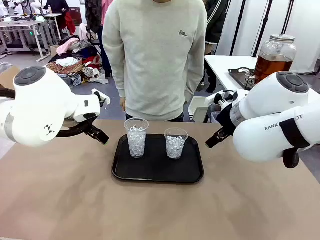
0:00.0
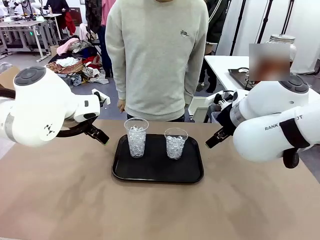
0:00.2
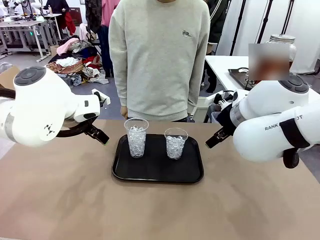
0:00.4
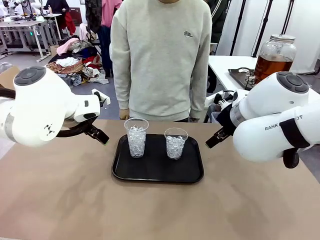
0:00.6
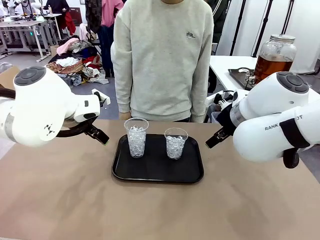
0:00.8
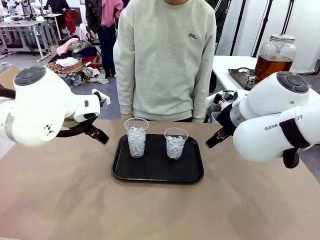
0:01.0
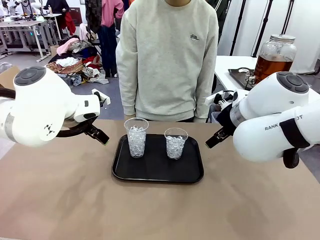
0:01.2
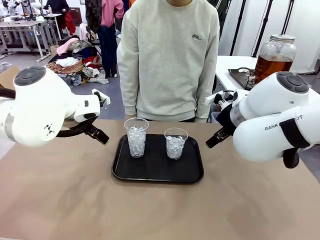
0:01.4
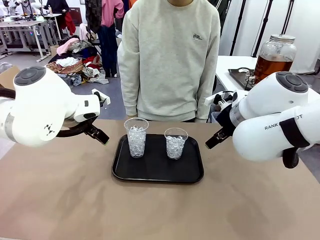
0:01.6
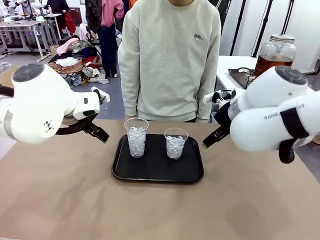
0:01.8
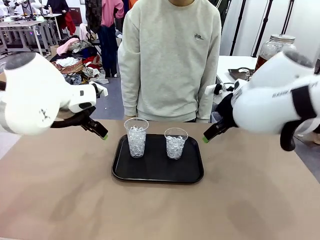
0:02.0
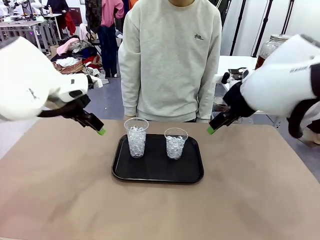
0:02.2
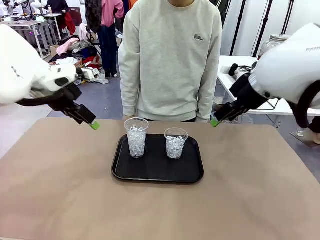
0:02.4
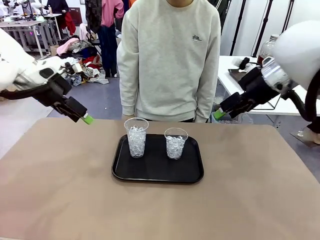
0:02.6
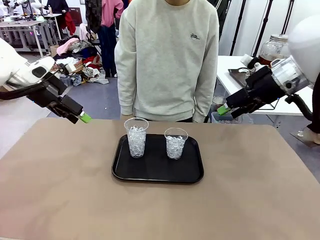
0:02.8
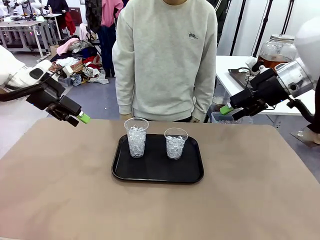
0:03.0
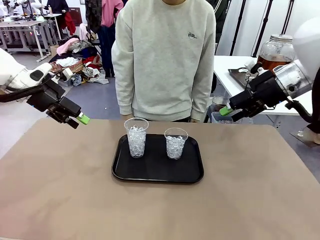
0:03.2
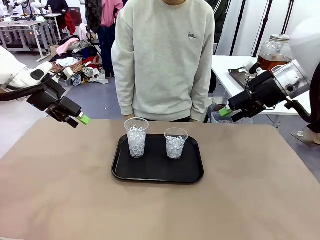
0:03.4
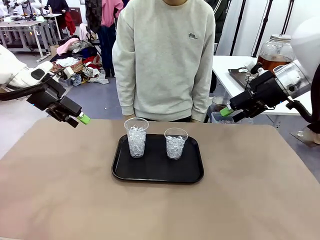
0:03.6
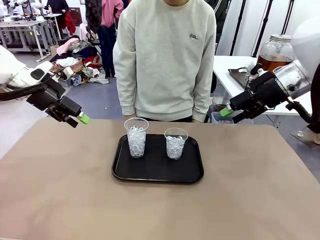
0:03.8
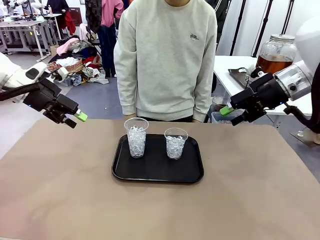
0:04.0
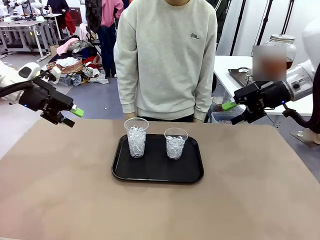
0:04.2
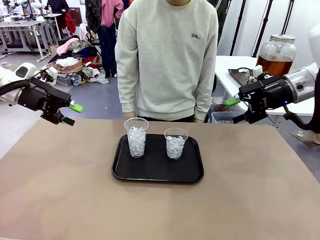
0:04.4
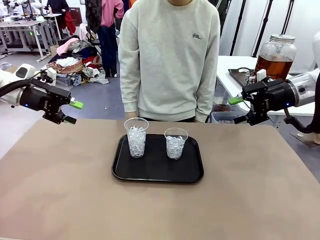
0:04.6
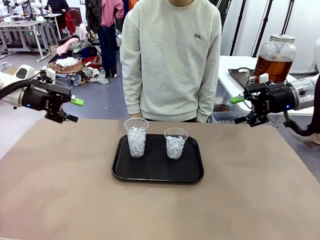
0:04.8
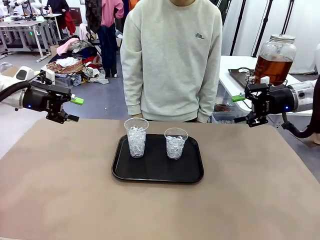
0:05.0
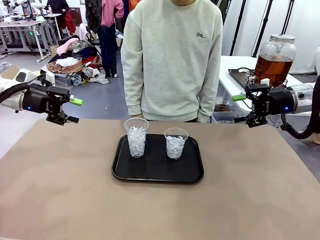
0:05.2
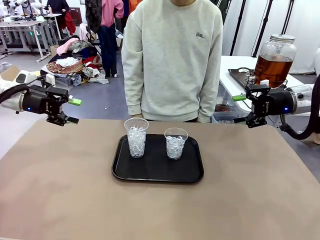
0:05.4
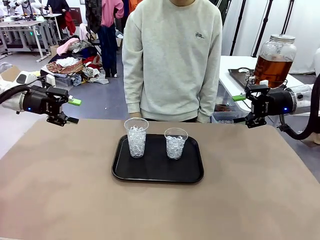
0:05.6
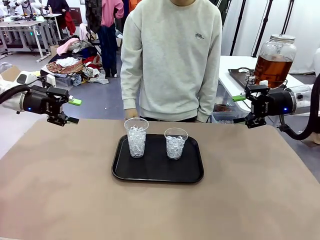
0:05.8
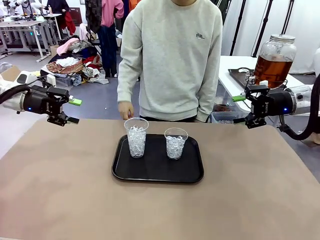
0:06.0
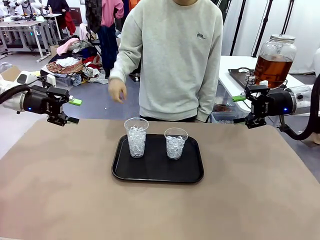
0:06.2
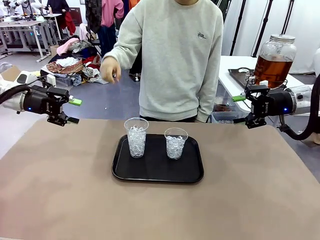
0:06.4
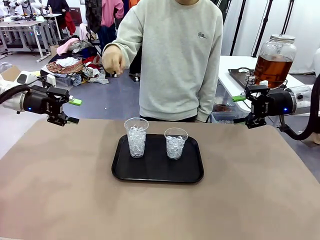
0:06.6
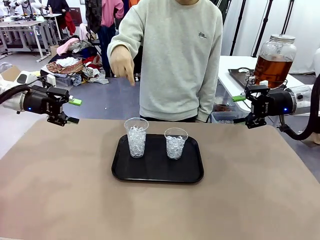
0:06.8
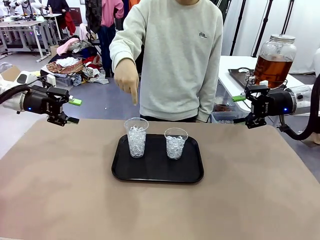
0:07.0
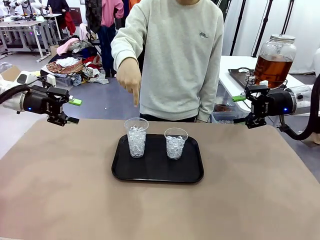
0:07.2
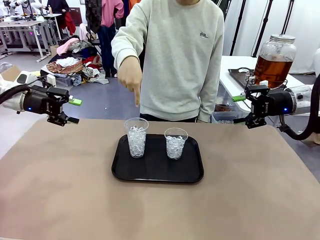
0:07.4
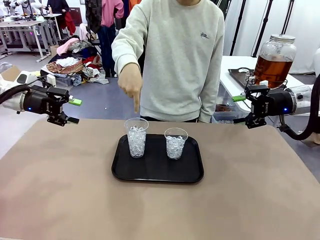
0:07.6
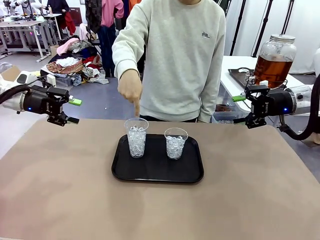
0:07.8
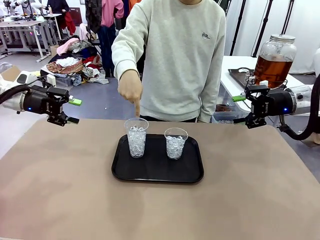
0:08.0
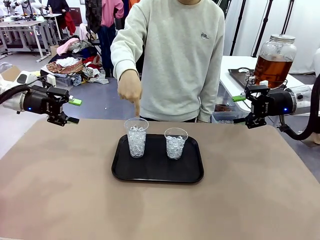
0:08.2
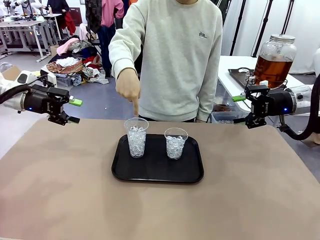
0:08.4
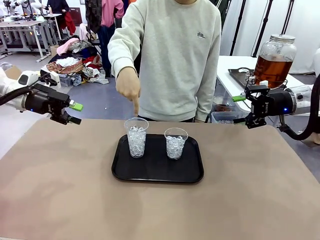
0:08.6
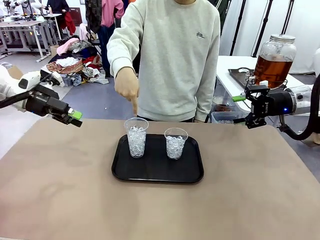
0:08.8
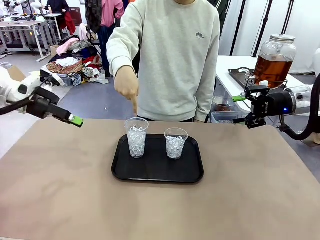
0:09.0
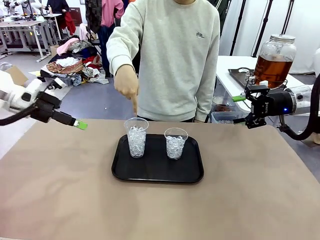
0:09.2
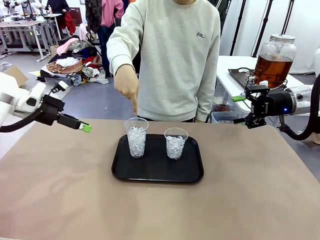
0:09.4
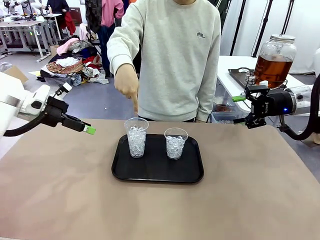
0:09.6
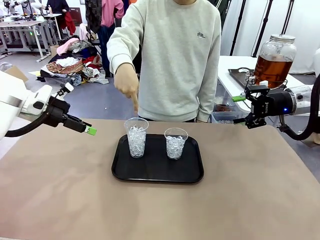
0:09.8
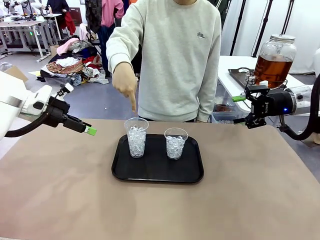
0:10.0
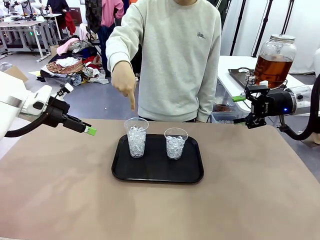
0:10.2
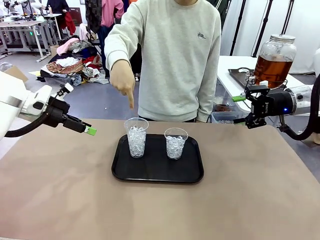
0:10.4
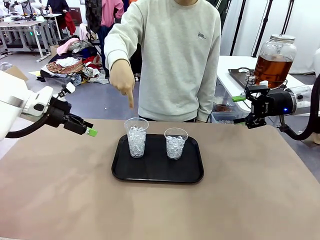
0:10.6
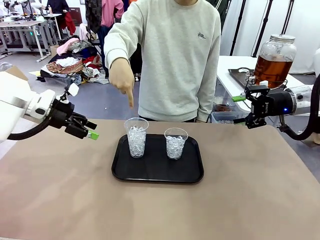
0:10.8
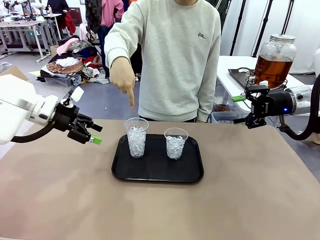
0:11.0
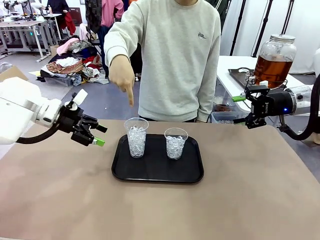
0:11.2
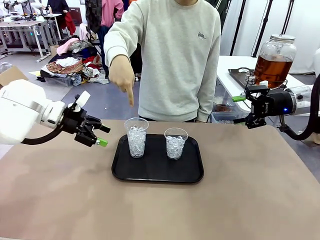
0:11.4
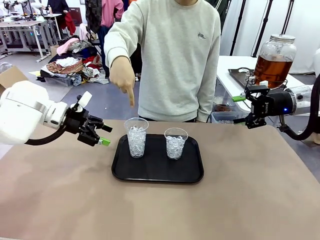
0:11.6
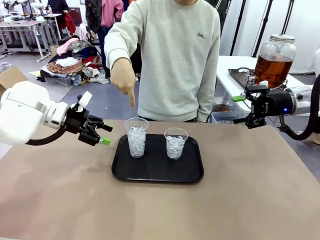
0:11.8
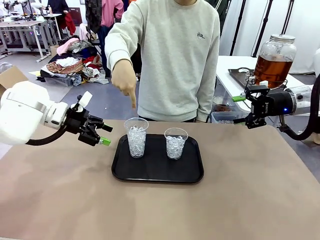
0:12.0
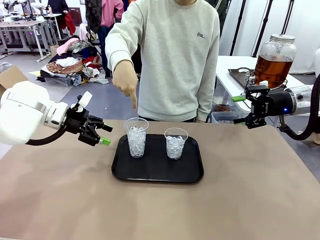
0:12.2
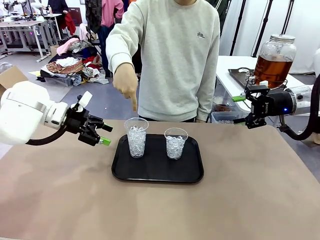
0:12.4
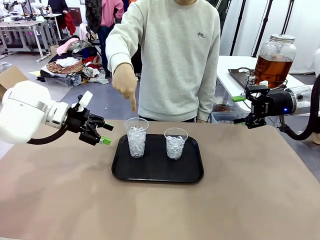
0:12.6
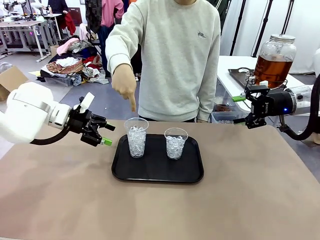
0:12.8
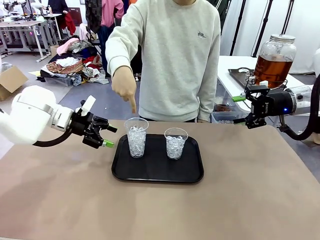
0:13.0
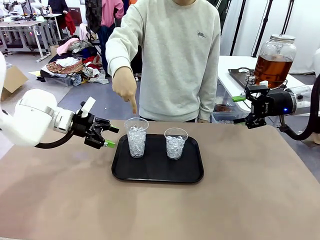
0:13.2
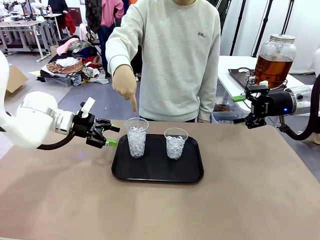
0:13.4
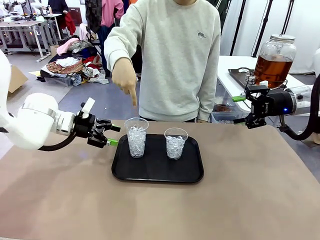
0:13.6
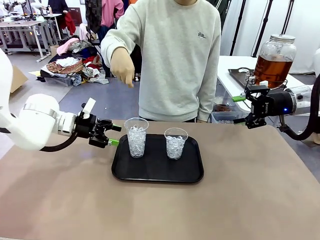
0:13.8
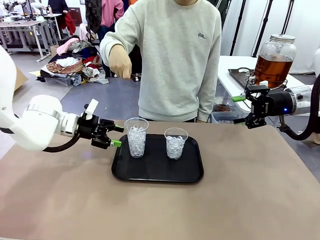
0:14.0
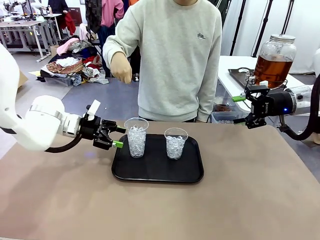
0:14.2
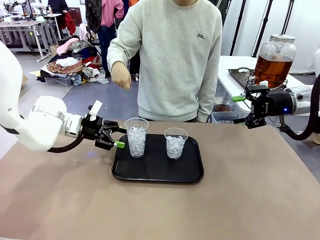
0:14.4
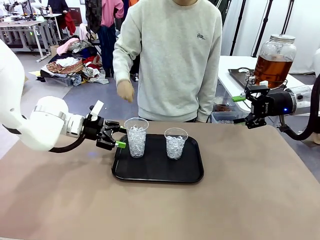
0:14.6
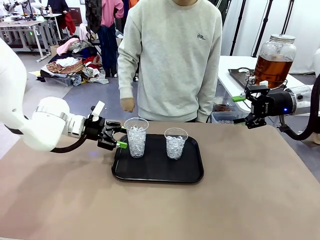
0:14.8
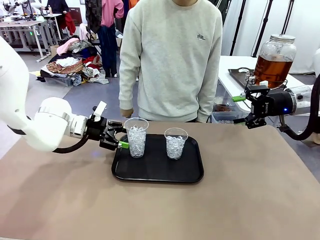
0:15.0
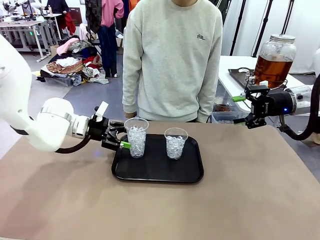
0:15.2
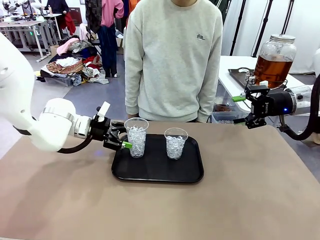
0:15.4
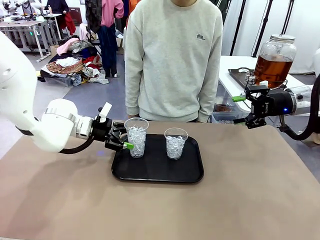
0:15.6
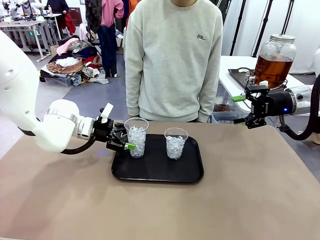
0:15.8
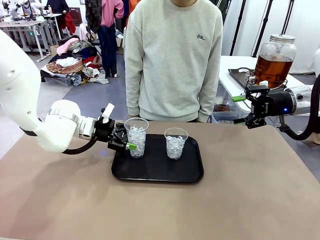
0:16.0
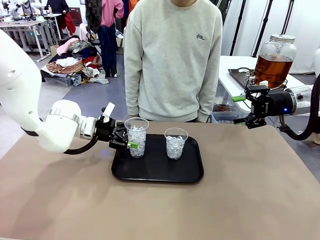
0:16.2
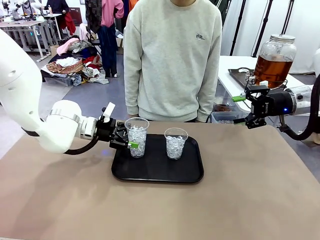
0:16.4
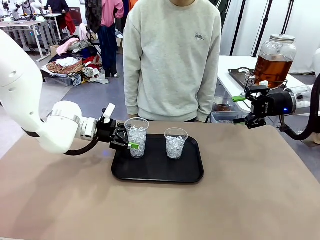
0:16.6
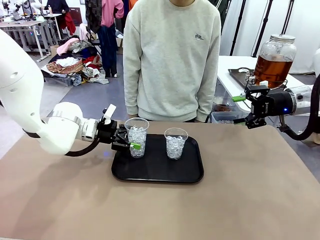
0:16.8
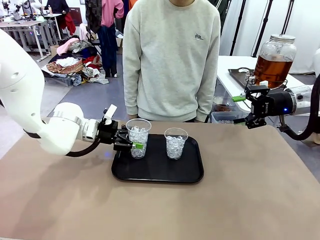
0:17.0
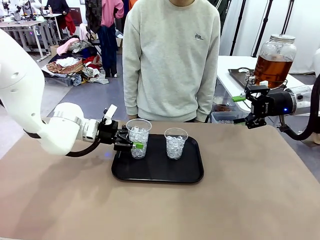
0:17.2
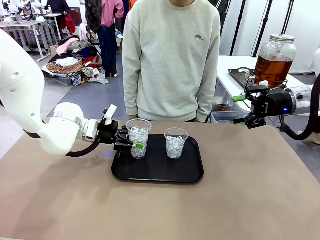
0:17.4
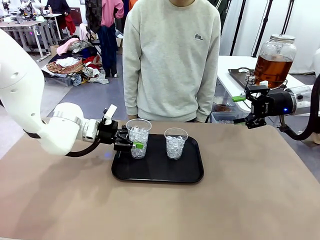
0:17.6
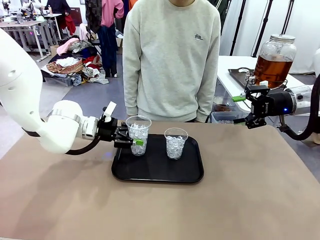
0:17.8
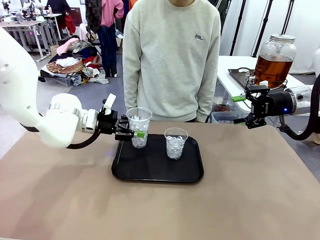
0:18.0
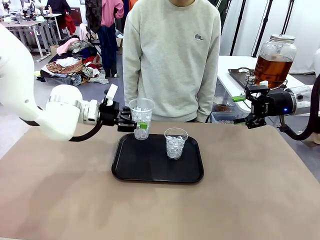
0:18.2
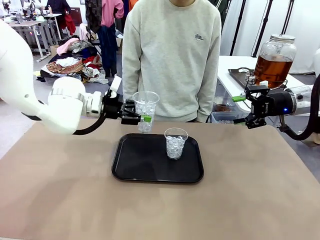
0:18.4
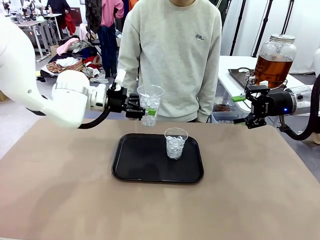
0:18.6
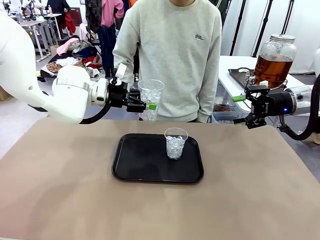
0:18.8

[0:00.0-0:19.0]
Task: Pour the drink into the iced cup.
Robot: Pick up the iced cup indicated by the human and present it to them.
Person: Point to one of the two ice cups. Pick up the cup offered by the robot.

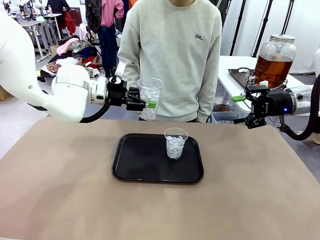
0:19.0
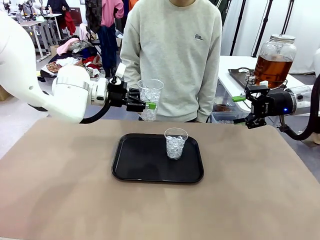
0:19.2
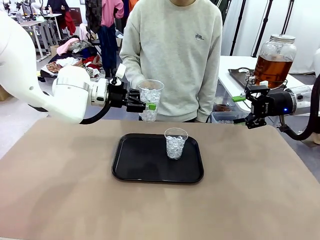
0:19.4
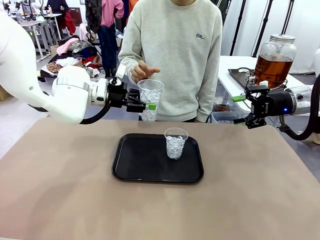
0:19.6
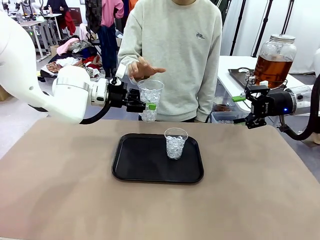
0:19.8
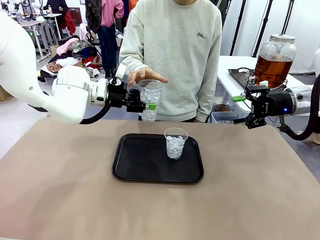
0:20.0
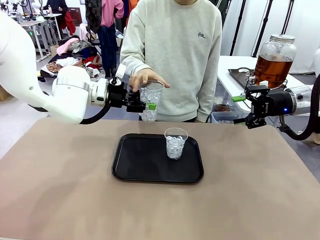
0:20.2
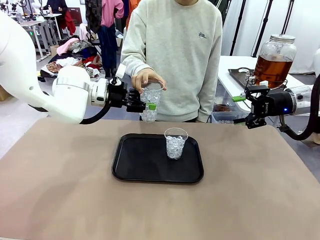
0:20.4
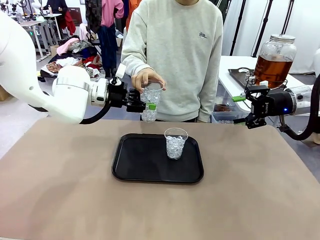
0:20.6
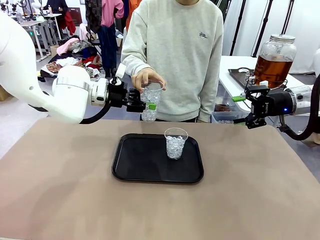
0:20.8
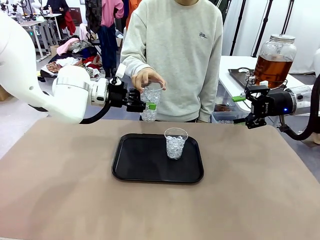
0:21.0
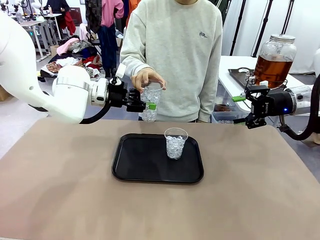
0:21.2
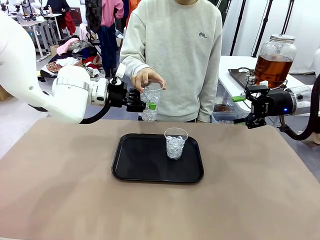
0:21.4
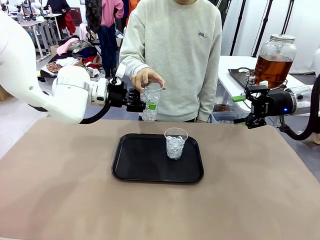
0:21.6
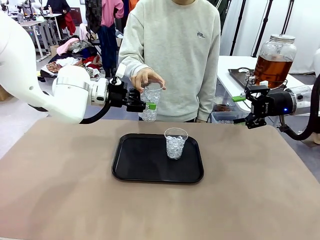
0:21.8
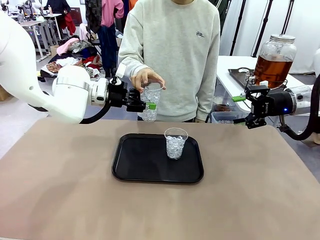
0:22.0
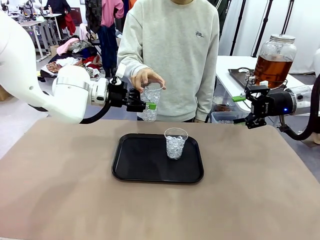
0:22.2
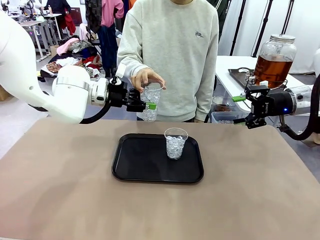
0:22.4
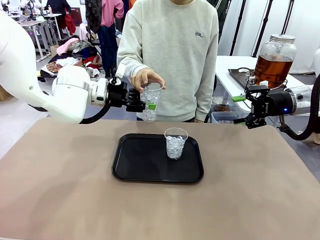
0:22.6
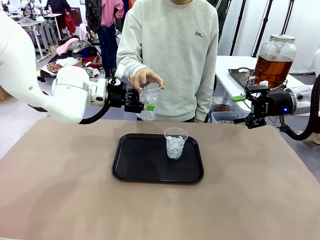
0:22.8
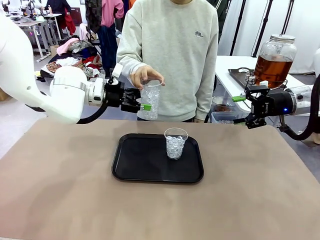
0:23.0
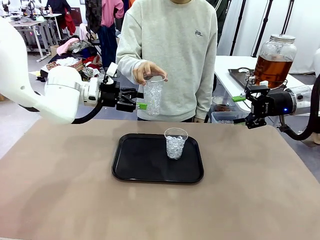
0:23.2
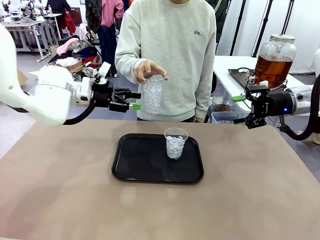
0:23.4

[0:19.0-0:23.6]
Robot: Open the gripper to release the iced cup you were holding.
